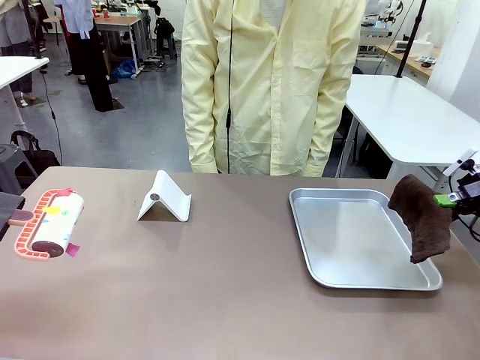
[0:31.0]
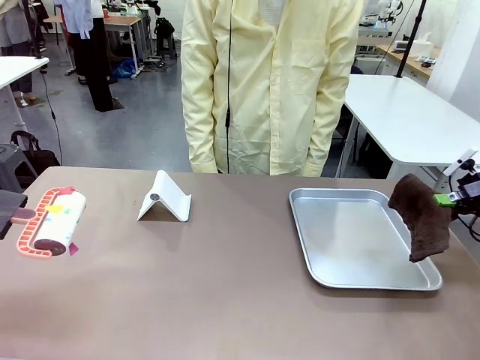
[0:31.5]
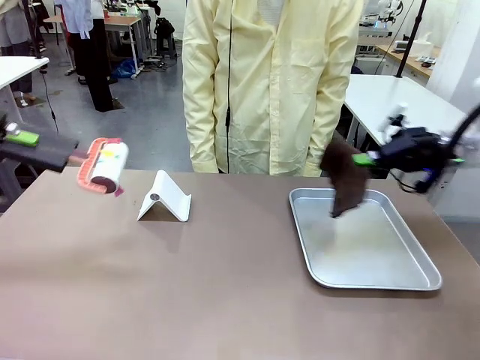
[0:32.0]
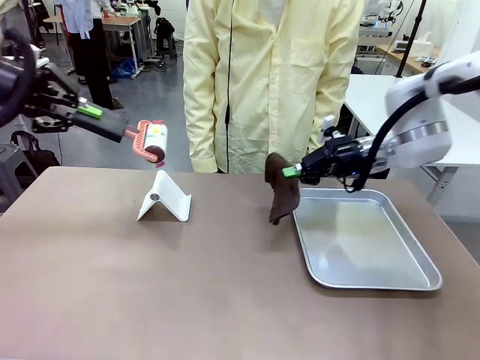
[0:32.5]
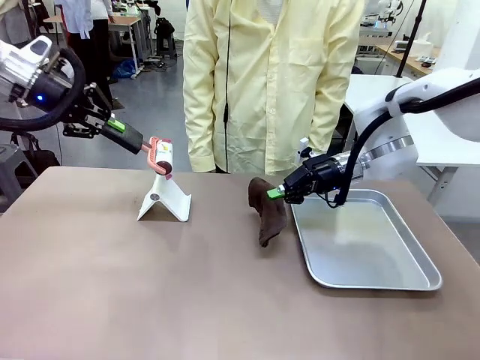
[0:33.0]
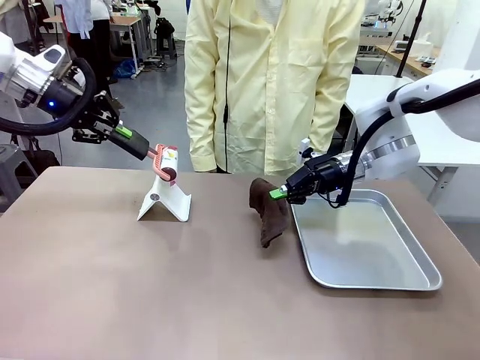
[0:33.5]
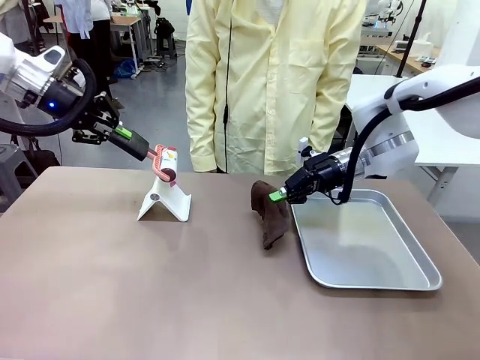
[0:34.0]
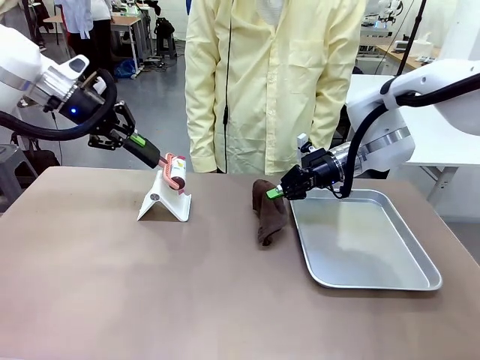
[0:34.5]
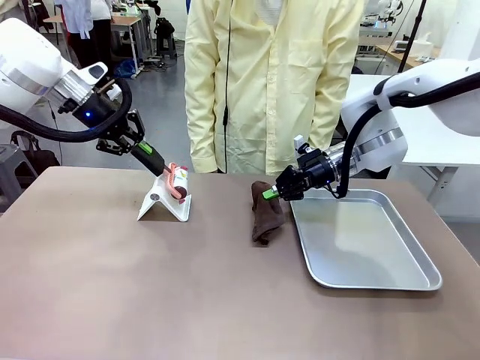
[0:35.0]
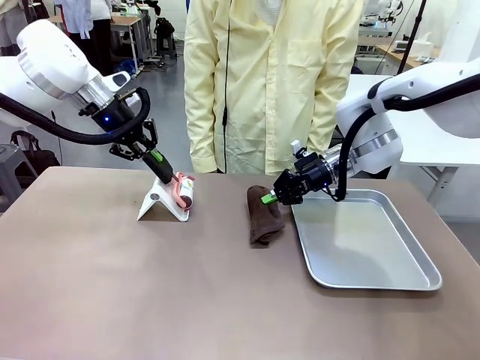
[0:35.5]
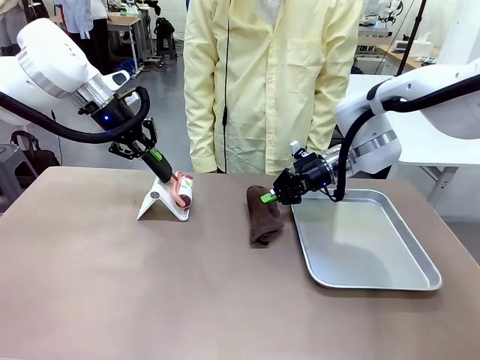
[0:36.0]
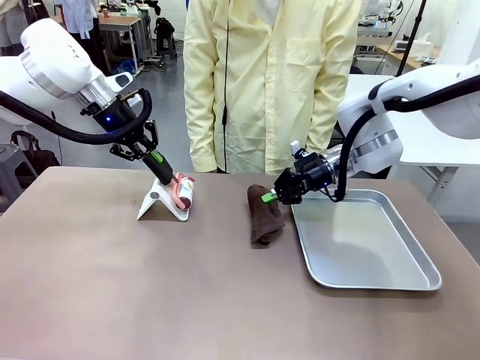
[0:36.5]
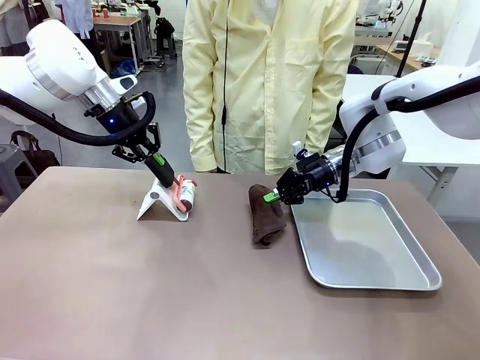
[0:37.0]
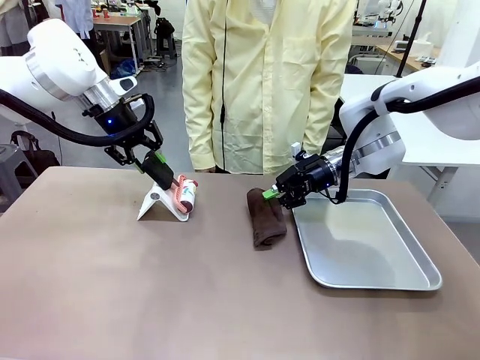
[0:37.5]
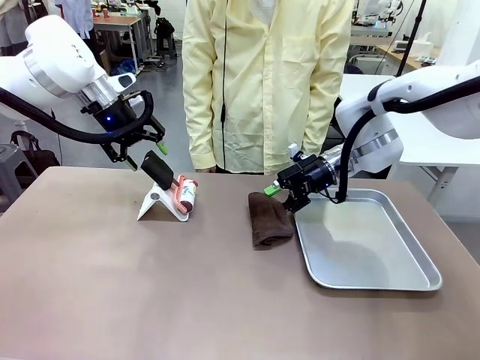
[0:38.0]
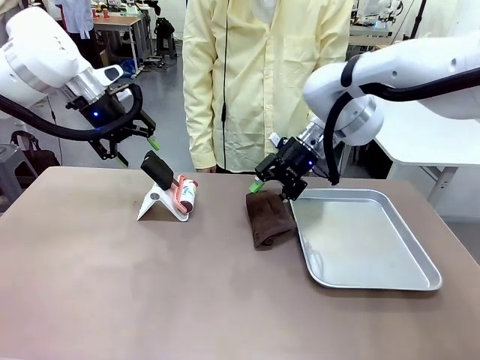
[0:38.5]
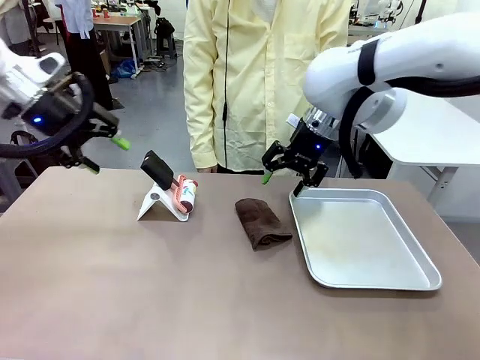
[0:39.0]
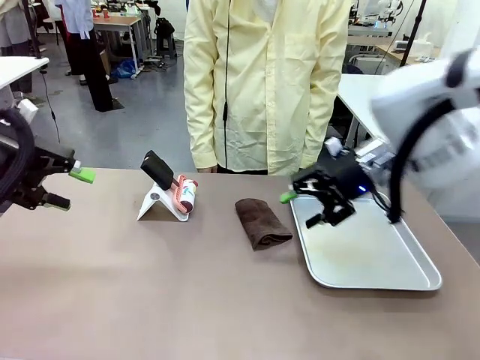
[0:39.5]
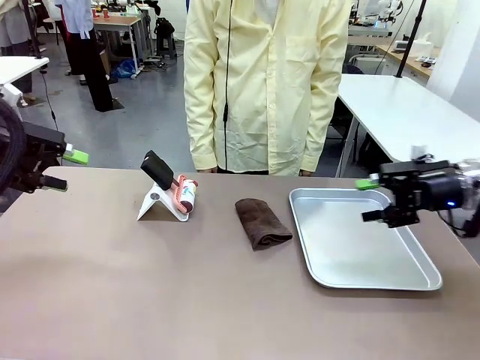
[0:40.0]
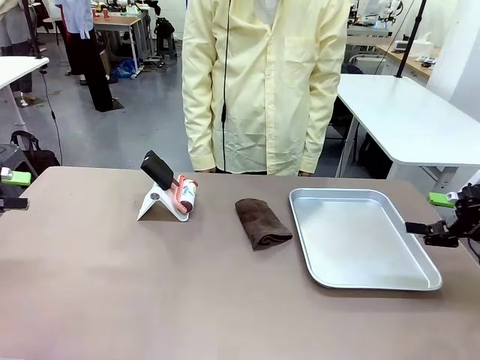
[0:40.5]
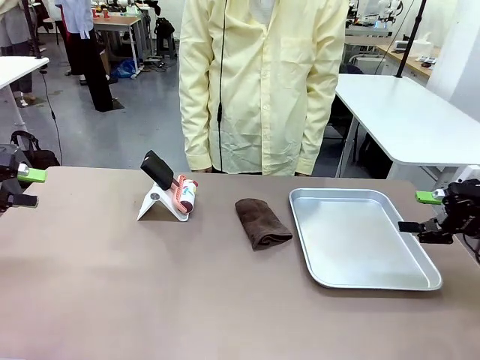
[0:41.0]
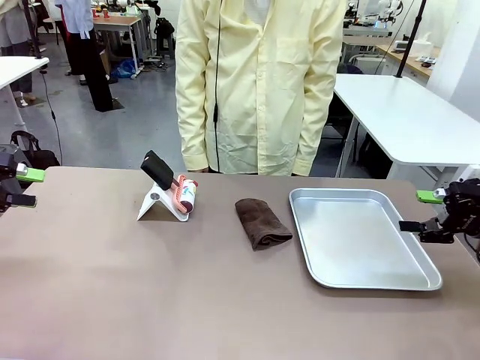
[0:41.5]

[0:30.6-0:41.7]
Task: Clean the surface of the table.
Robot: Return the Lint Roller and towel to their original positions.

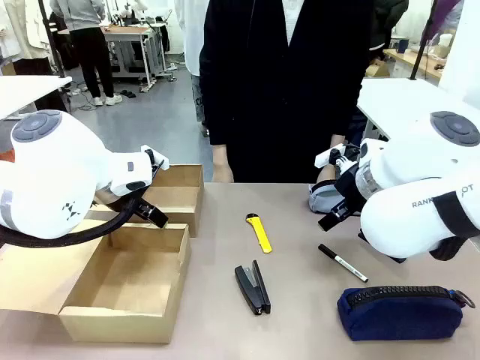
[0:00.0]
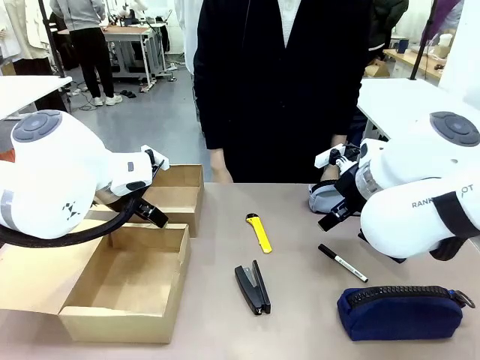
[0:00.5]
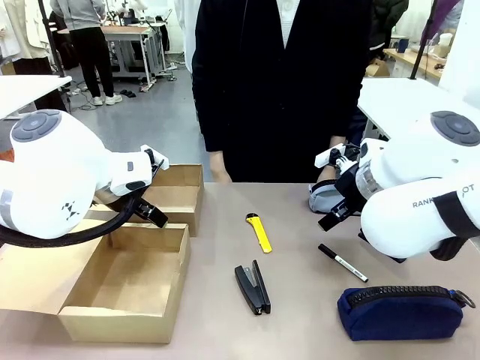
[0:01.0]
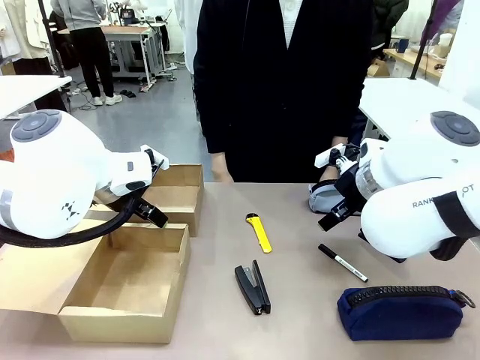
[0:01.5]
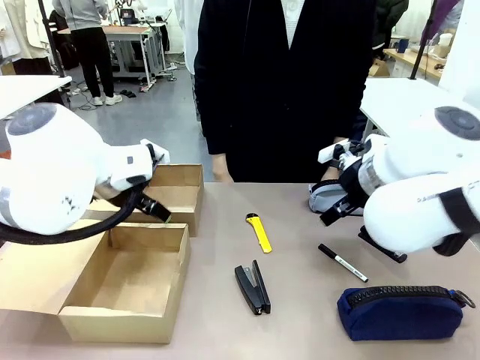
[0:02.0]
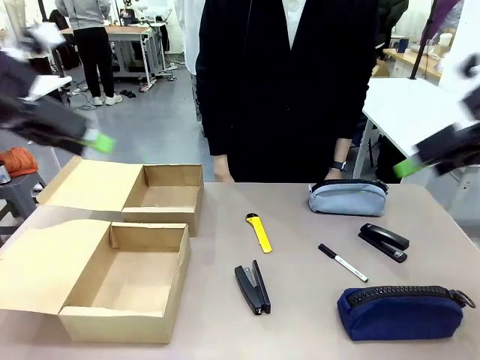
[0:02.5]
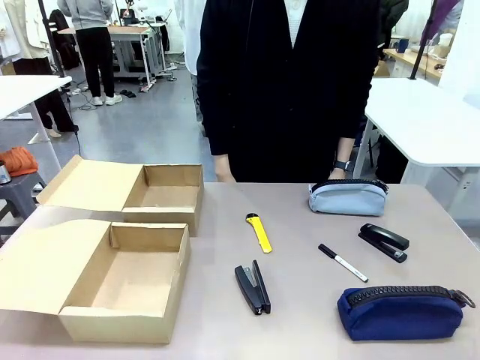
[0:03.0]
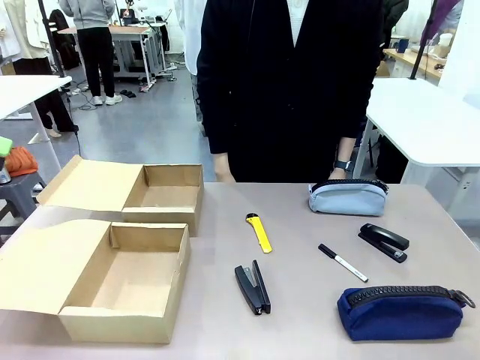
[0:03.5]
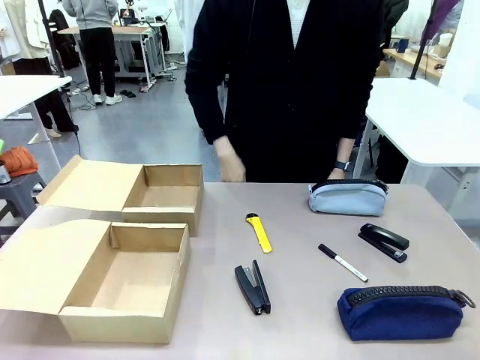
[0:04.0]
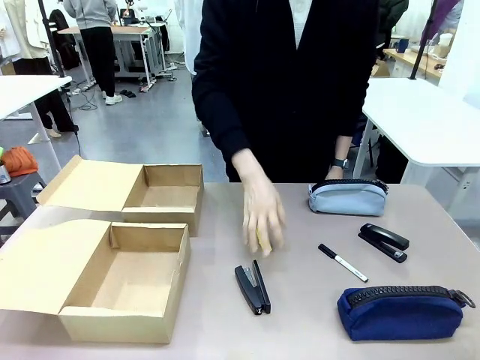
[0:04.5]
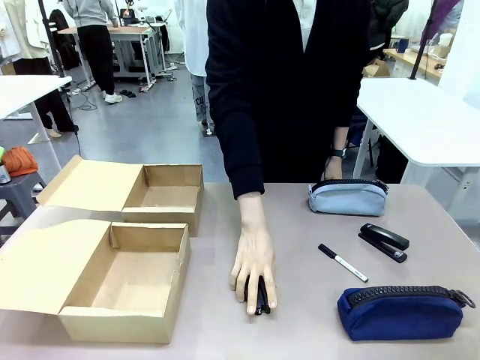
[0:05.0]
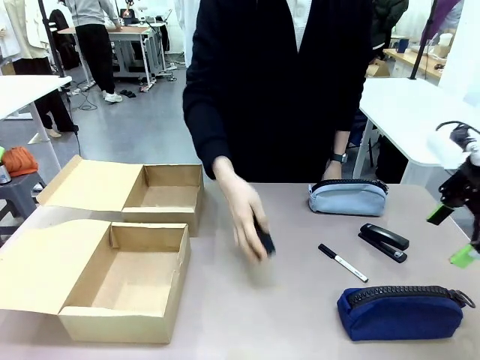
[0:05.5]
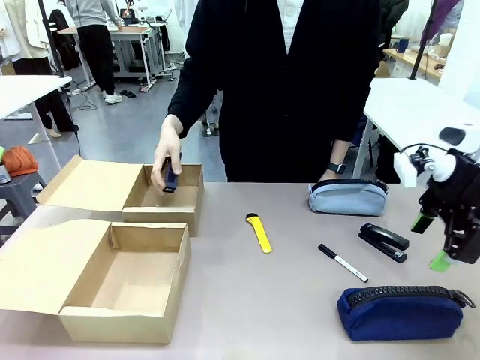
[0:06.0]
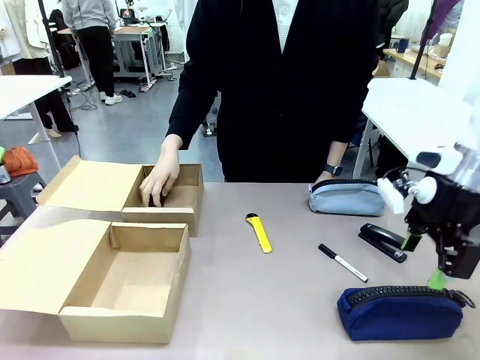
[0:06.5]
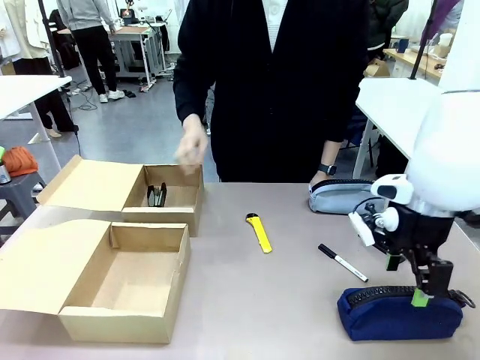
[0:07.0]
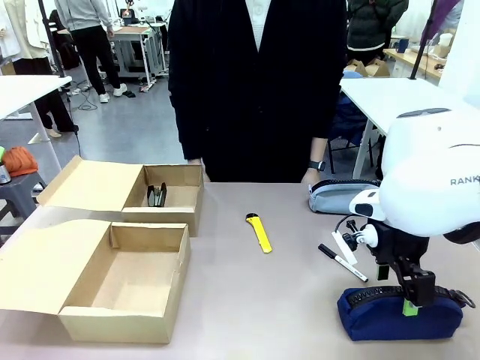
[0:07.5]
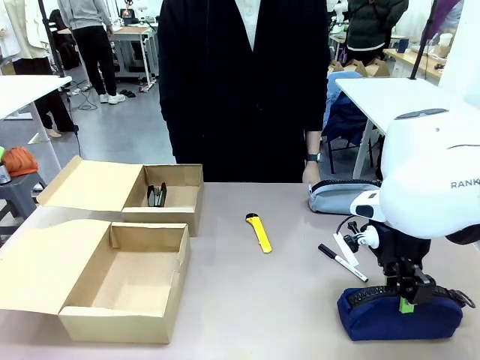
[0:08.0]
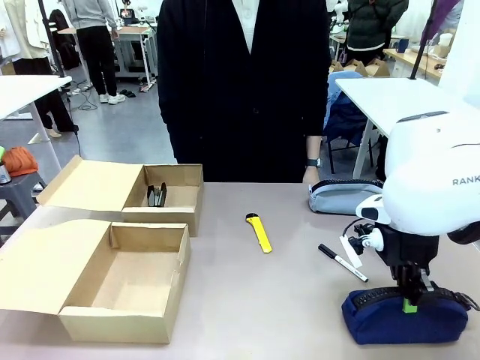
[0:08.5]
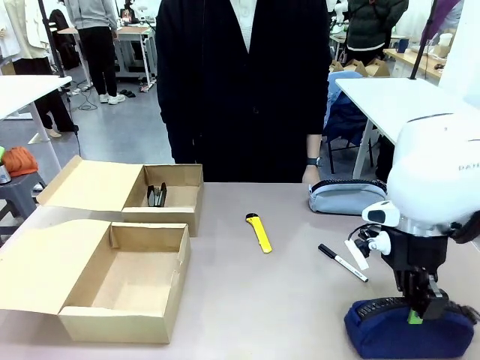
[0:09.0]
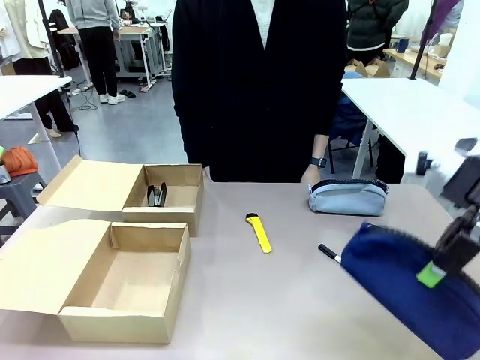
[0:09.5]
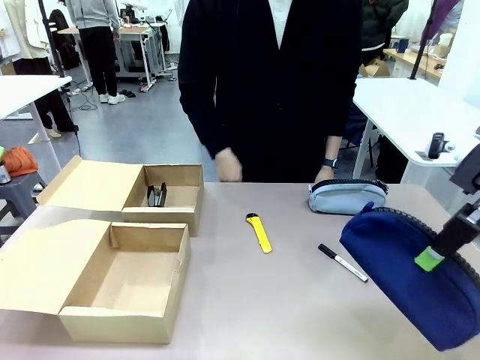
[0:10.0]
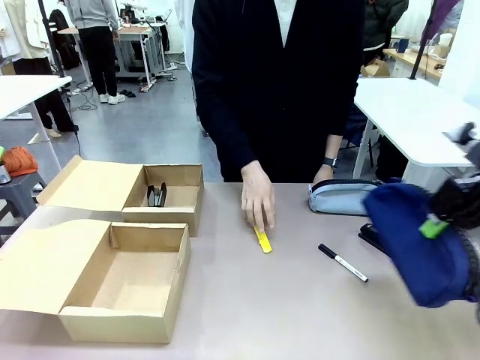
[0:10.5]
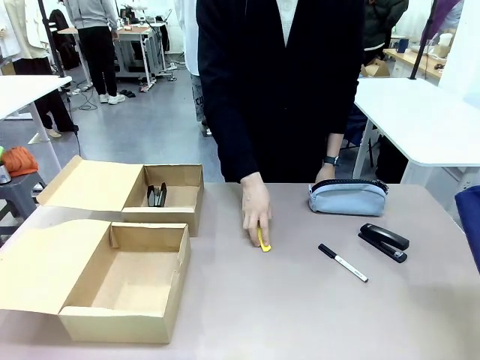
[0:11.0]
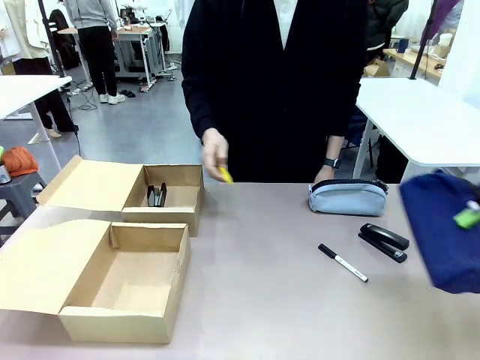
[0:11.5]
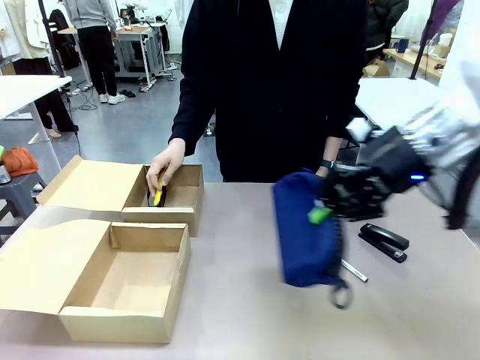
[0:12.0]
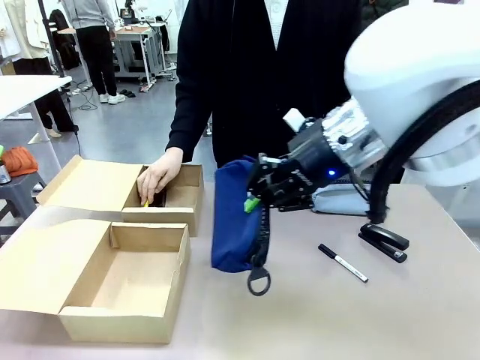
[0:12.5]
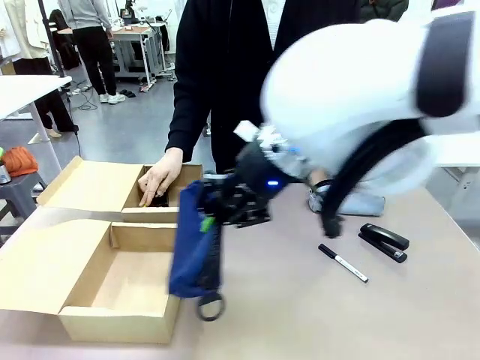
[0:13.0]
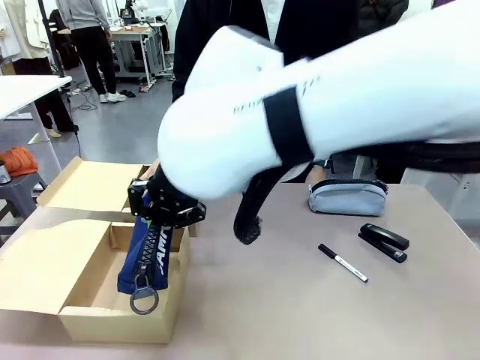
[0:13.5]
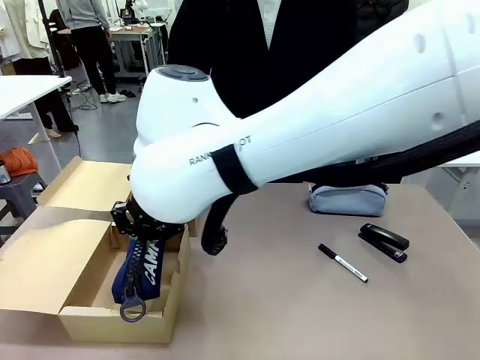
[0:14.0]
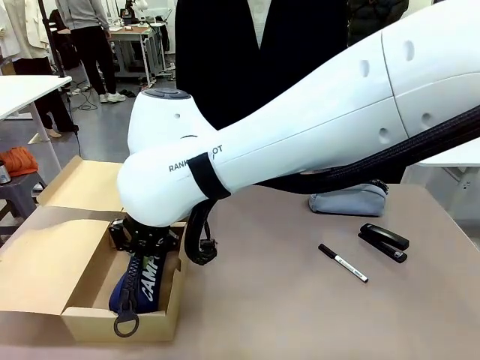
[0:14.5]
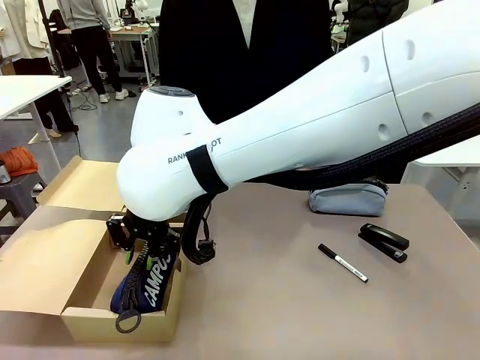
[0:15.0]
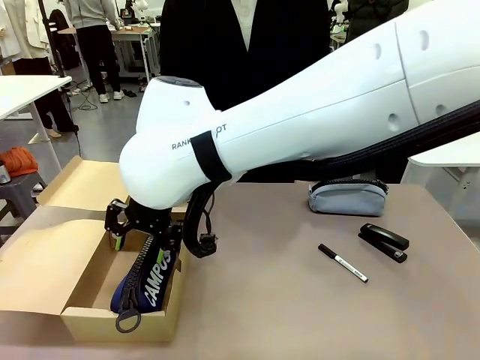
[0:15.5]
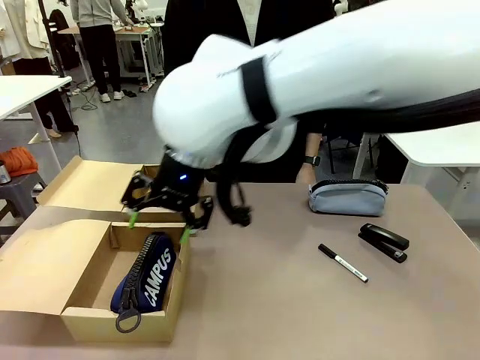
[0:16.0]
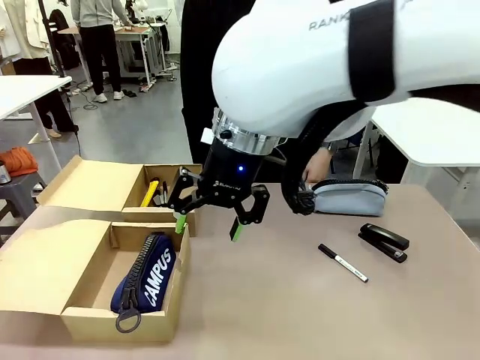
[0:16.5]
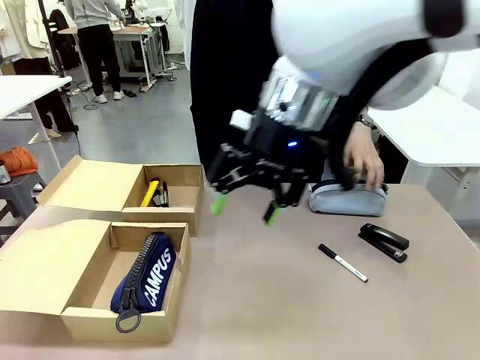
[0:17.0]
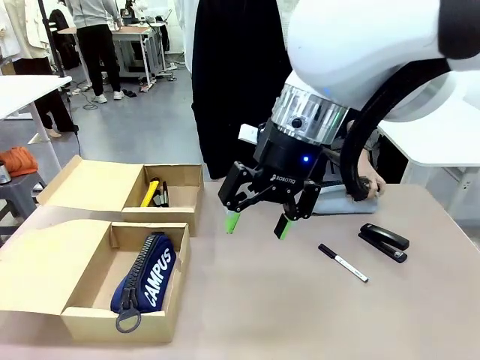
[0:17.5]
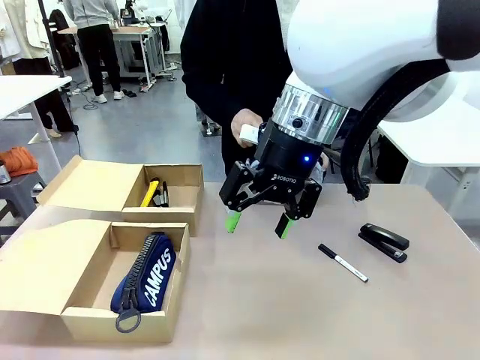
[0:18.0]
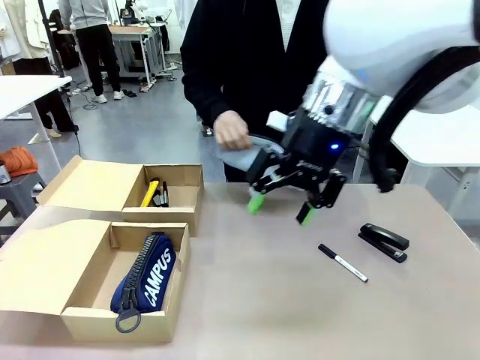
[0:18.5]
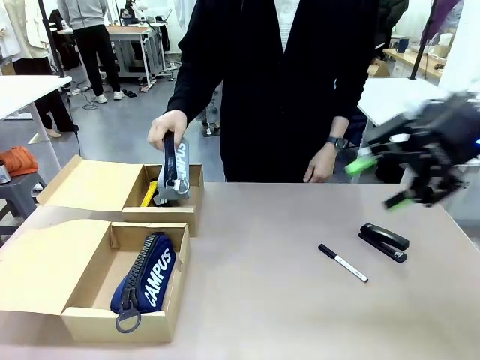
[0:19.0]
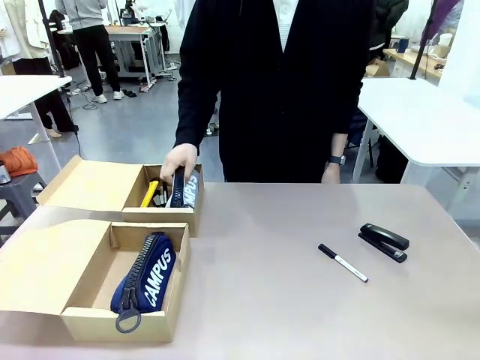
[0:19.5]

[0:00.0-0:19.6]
Task: Place items inside the box.
Robot: Pick up a Pencil pouch or Stapler and place it inside the Mailer Box closest to the robot.
Person: Pick up an object on the table and put it in the box.
